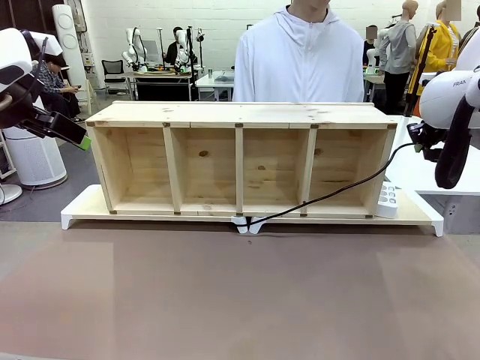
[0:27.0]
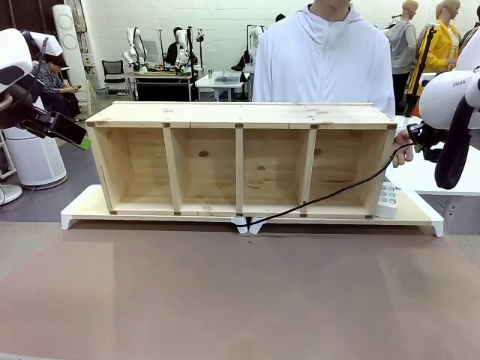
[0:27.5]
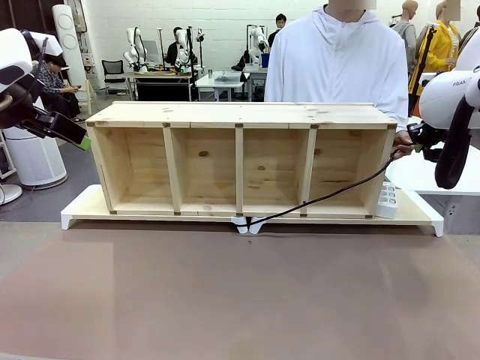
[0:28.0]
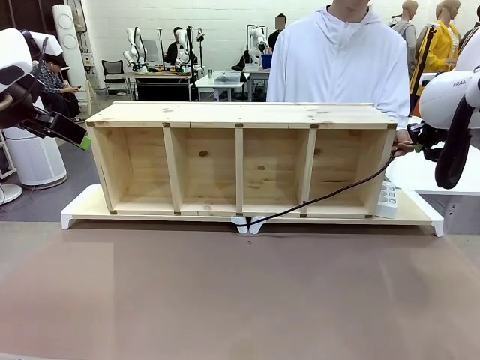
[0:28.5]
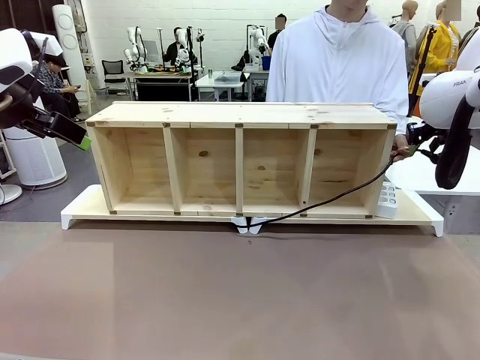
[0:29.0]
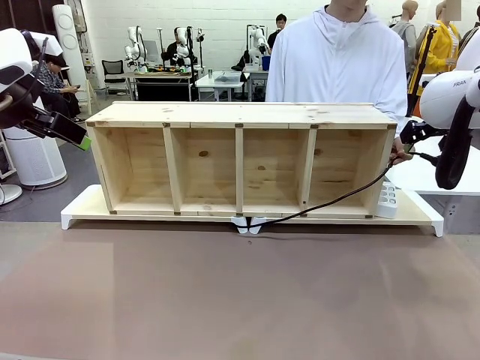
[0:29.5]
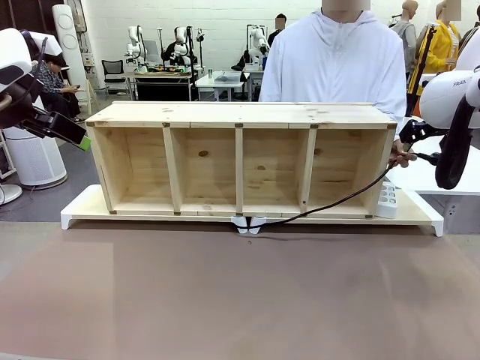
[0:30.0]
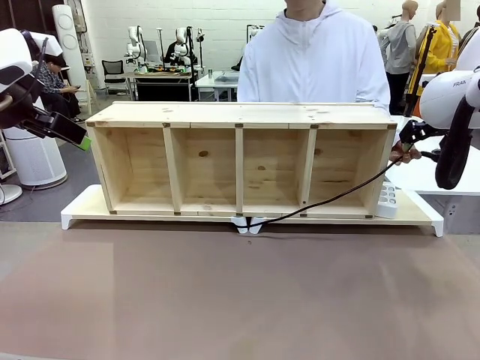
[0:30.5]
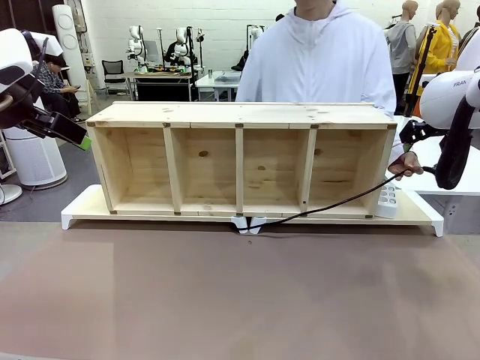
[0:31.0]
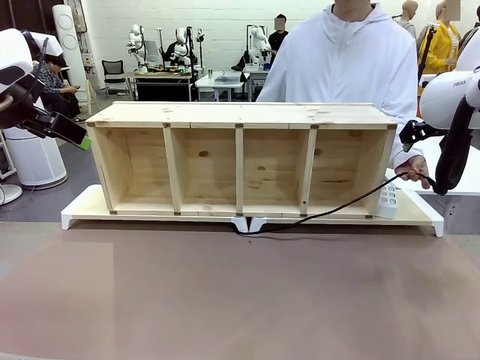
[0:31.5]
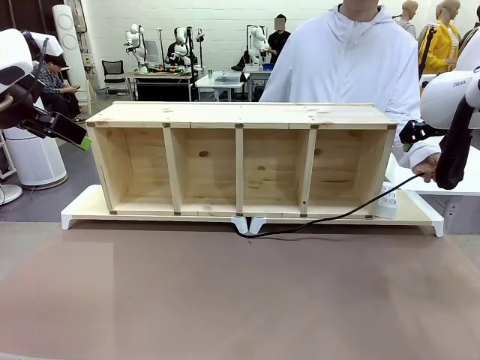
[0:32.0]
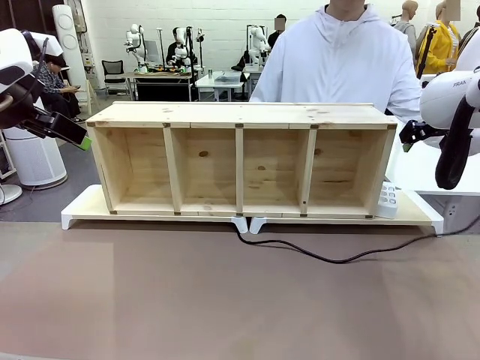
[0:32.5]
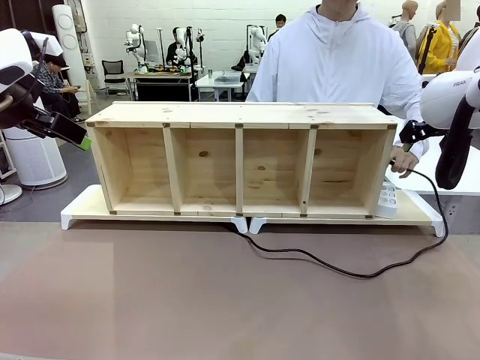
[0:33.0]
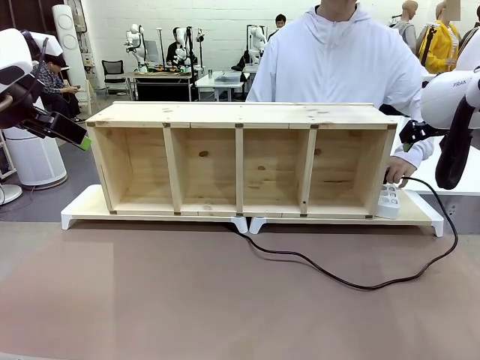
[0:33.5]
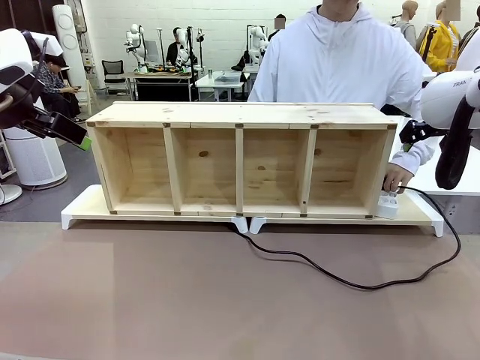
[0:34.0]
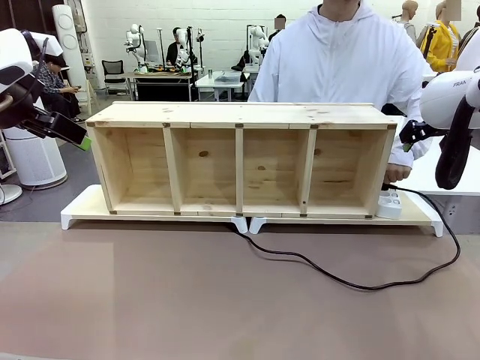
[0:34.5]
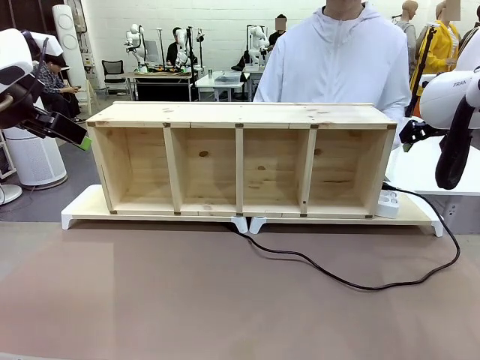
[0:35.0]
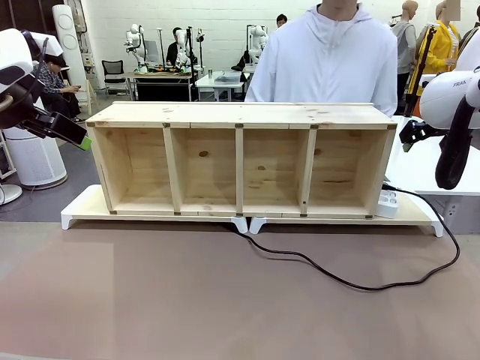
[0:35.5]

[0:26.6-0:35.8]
Task: Perform cable management.
Robot: Release the Power Cable when the human grasps it.
Person: Plug the Power Cable into the Power Strip.

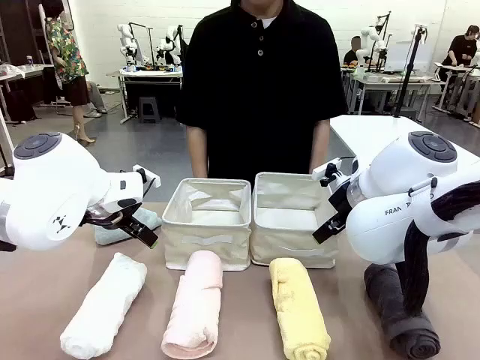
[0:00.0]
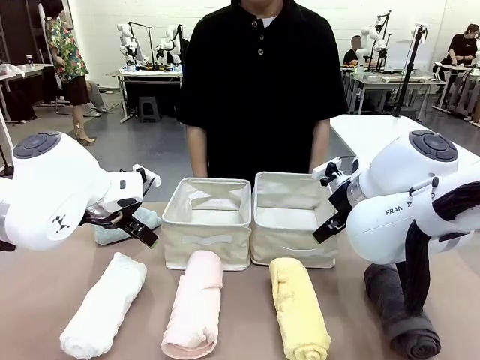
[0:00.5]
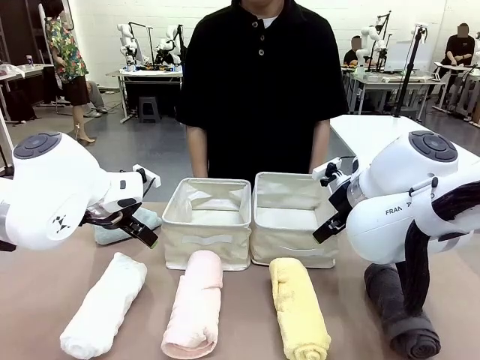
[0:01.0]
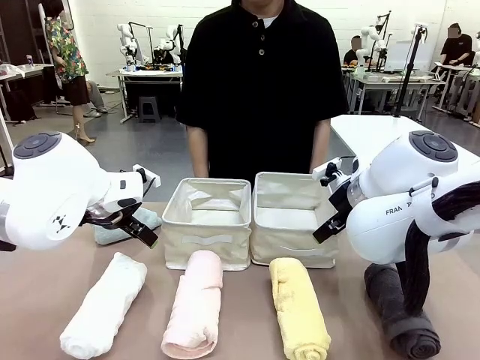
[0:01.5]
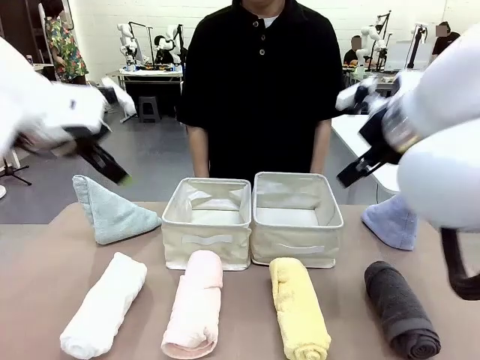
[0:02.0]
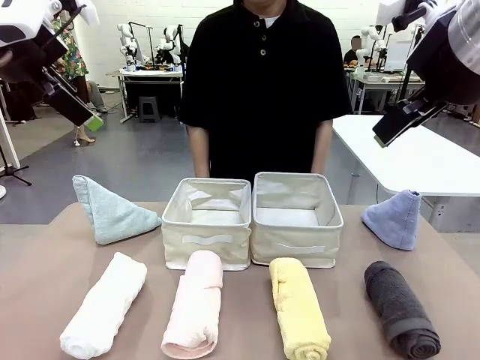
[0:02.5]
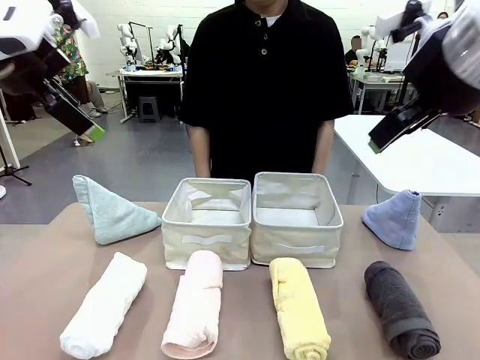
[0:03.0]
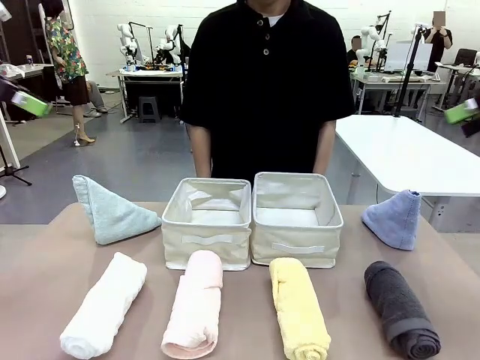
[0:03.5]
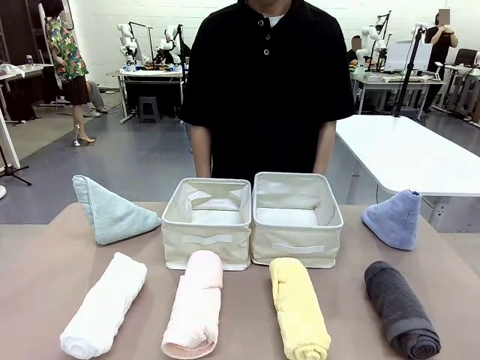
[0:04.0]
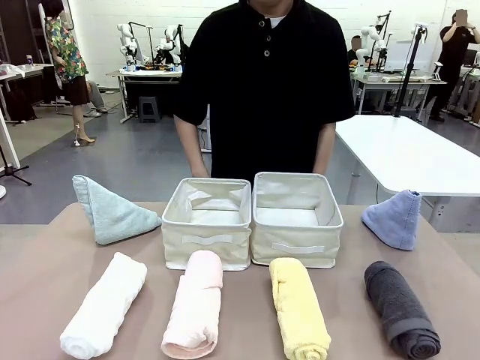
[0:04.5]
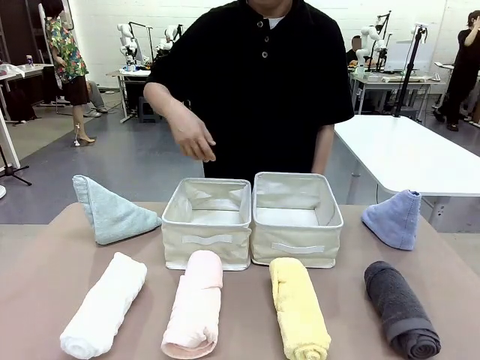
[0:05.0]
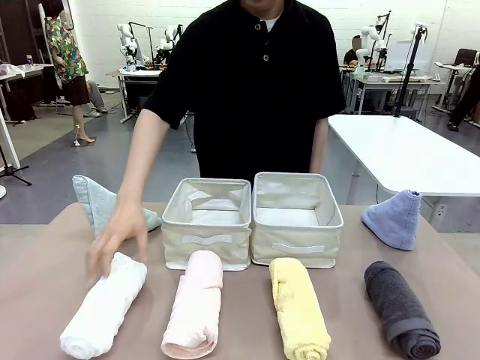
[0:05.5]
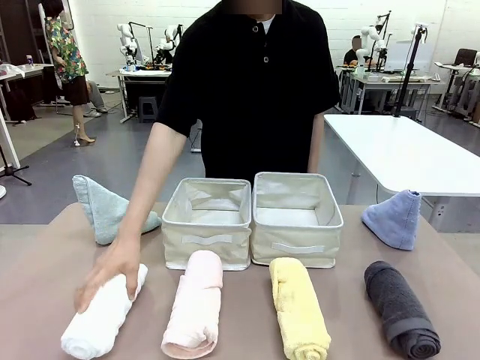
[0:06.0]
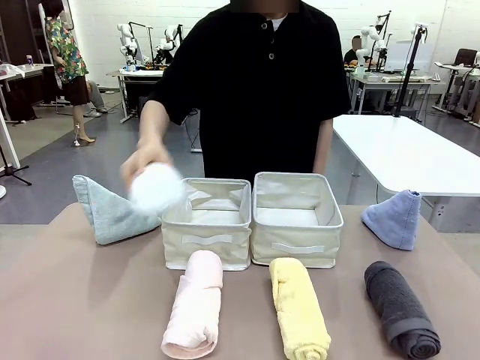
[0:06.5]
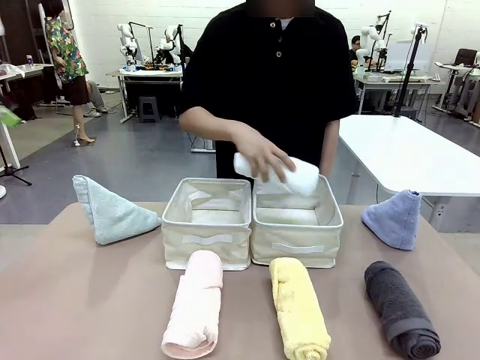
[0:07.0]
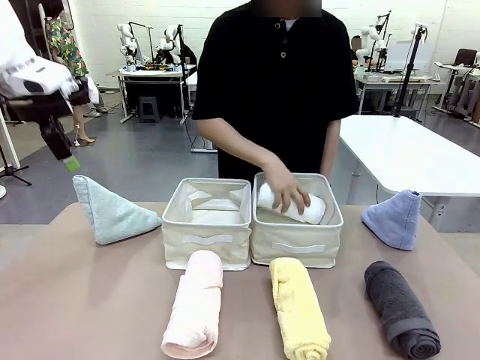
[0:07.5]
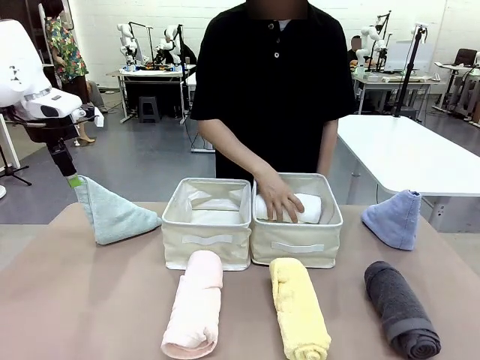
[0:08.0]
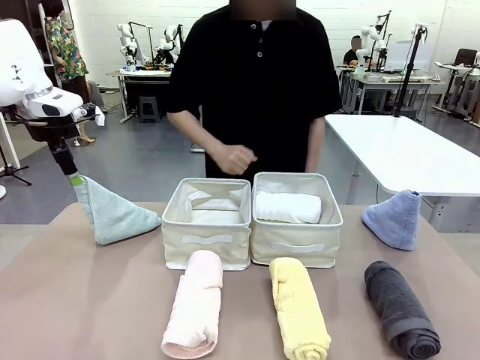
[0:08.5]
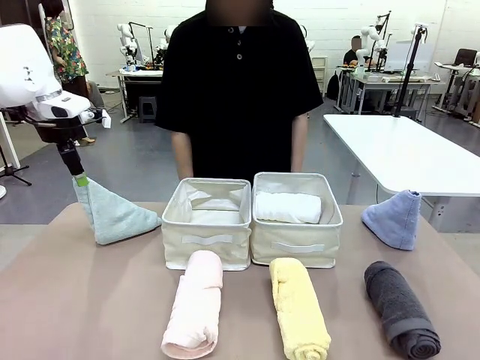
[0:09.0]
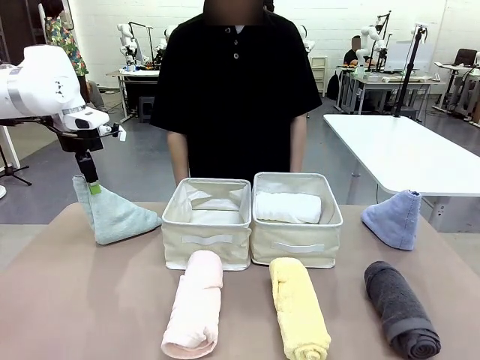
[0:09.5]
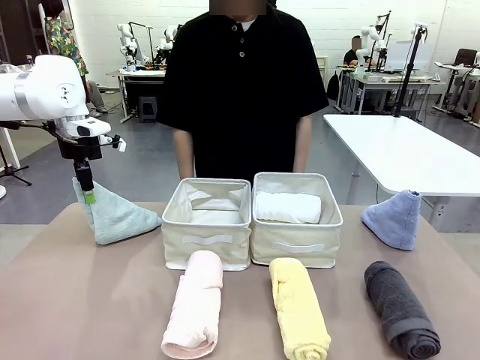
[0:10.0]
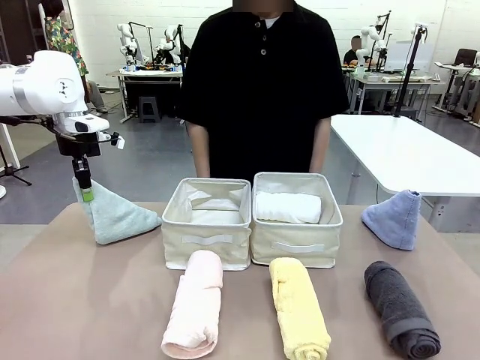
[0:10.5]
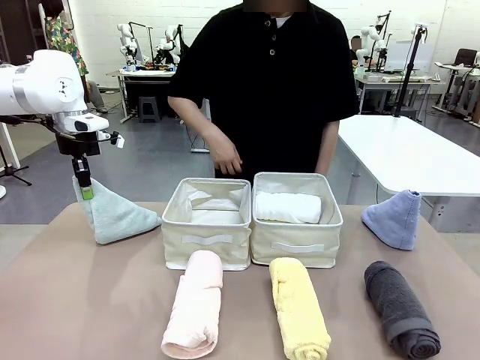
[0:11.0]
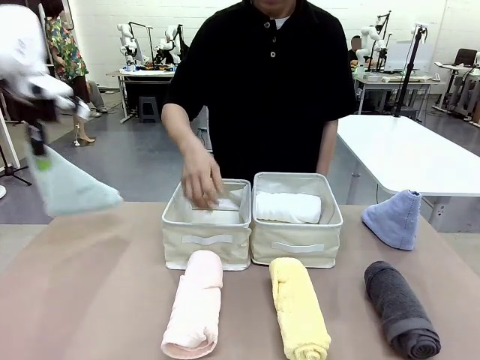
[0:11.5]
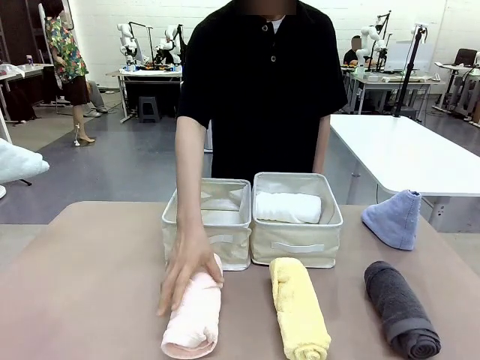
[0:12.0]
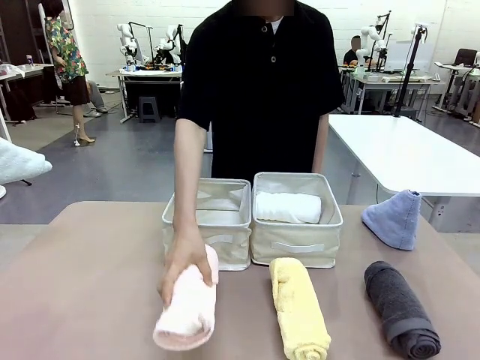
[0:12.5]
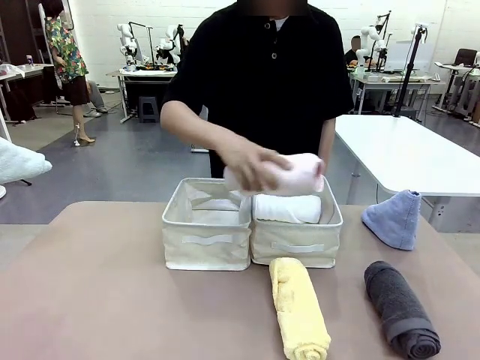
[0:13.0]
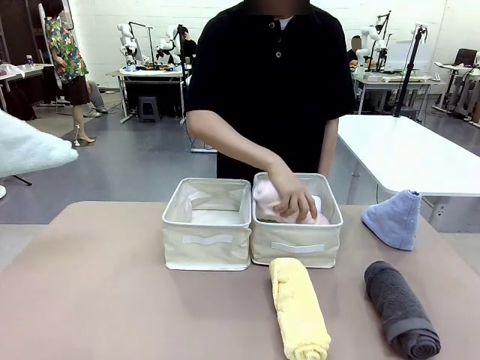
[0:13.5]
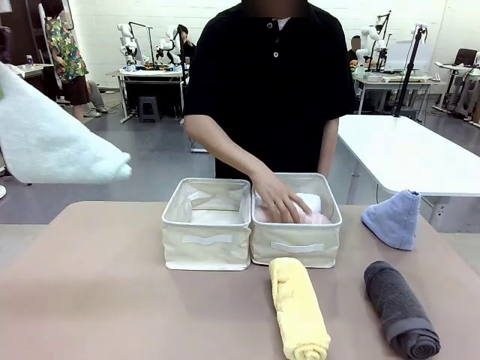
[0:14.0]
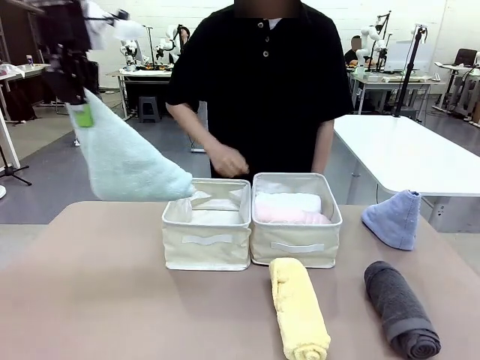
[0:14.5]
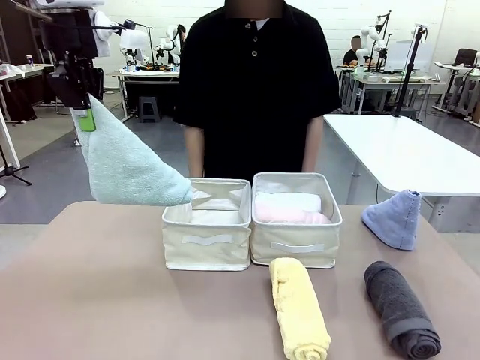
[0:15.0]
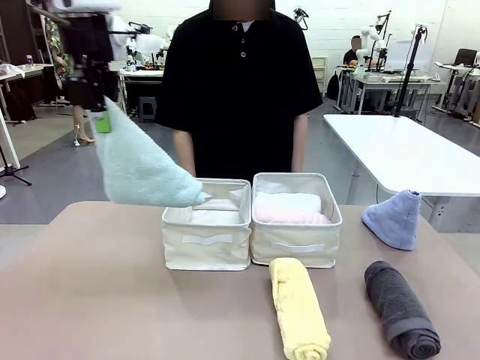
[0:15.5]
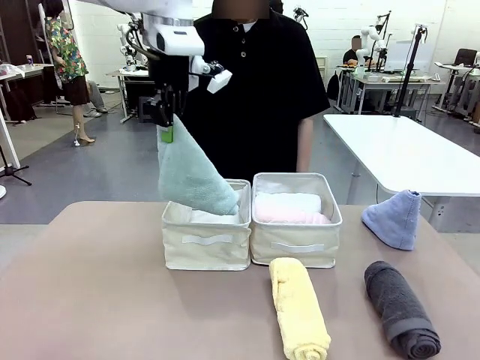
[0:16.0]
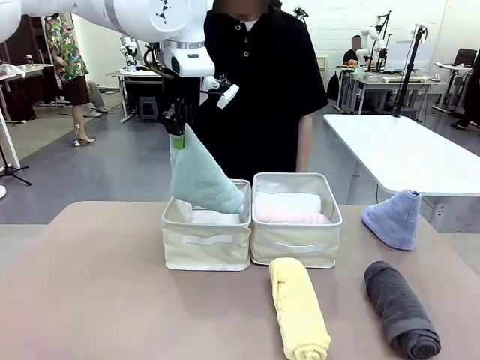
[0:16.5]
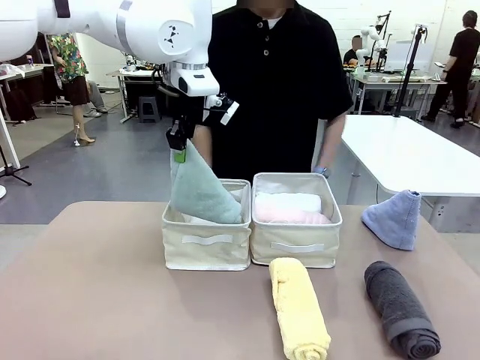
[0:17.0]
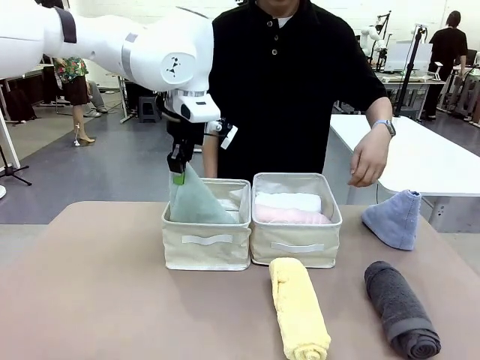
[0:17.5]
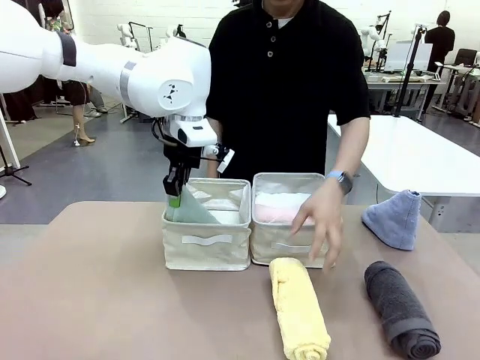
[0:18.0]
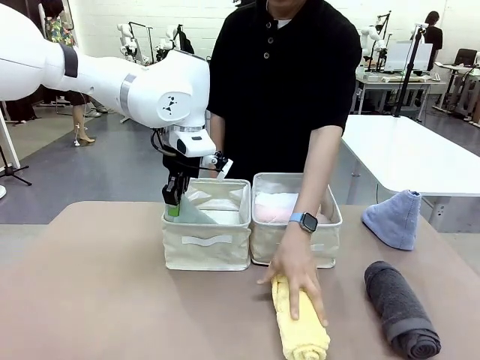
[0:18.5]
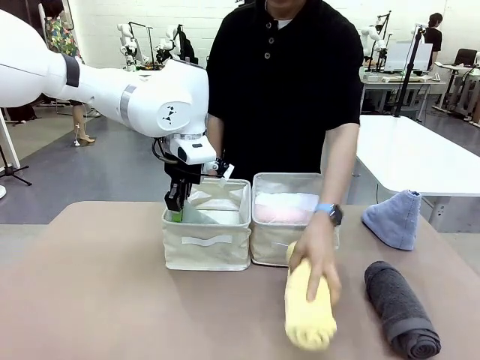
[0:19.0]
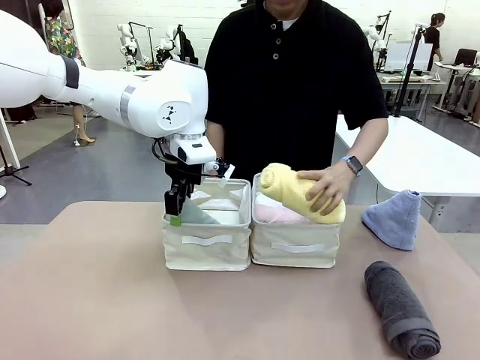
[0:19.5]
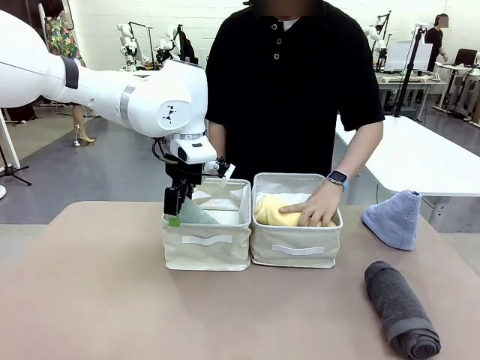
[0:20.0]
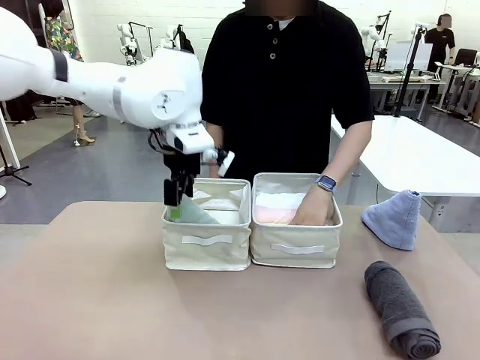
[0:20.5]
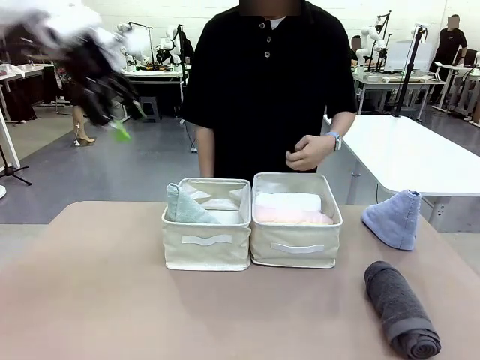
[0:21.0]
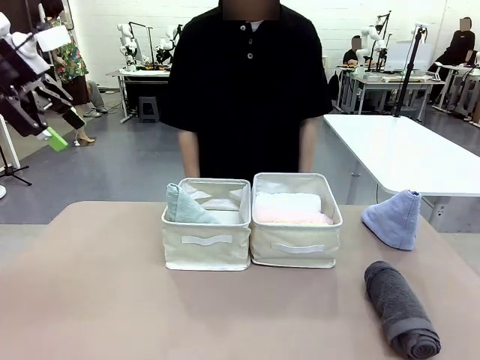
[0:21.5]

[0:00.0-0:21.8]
Task: Sort the towels based on their folding style.
Robot: Pick up one triangle-folded towel and place it in the left Fabric basket.
Person: Pick up one hotel-style rolled towel and place it in the left fabric basket.
